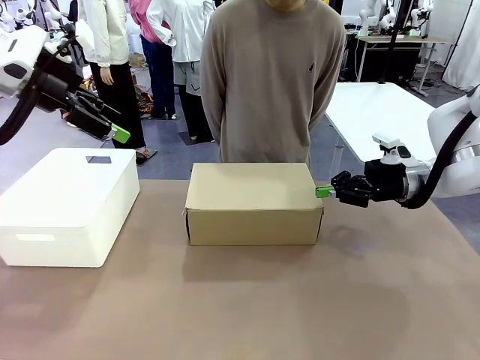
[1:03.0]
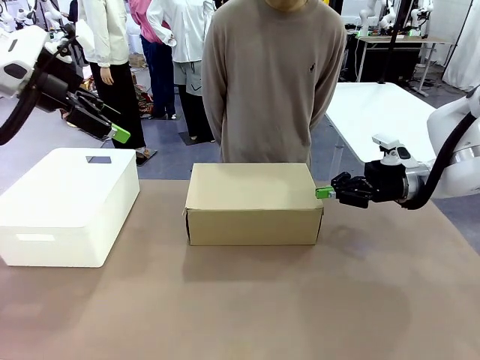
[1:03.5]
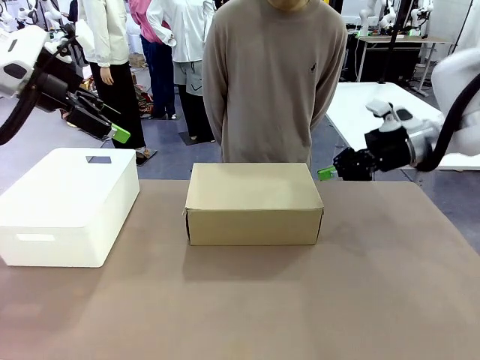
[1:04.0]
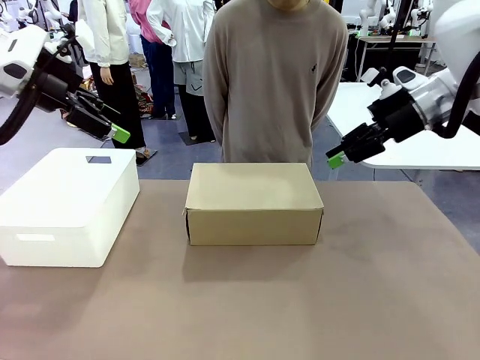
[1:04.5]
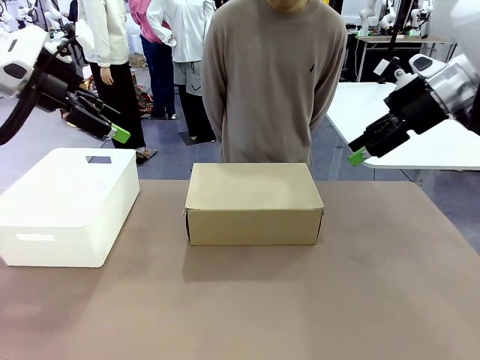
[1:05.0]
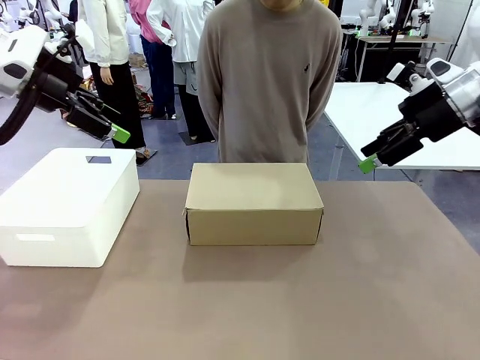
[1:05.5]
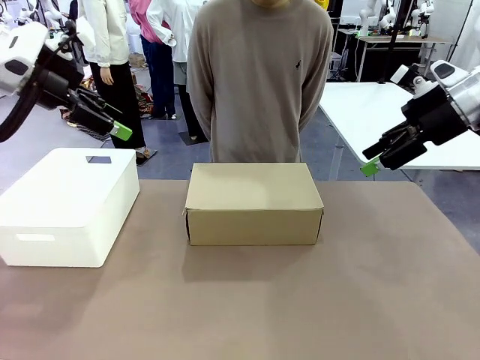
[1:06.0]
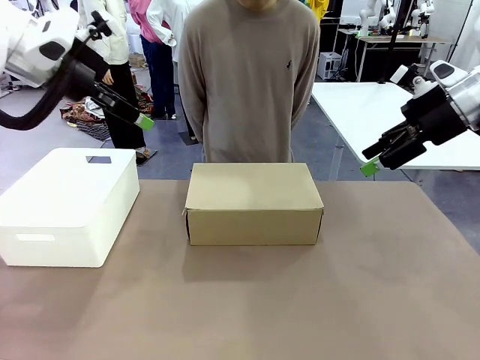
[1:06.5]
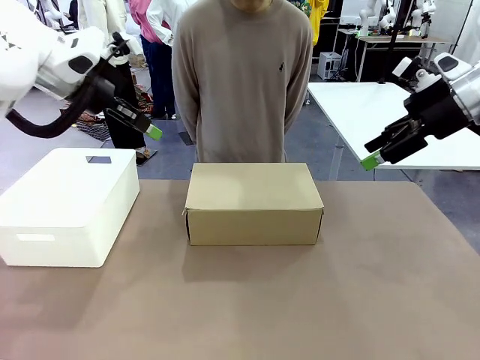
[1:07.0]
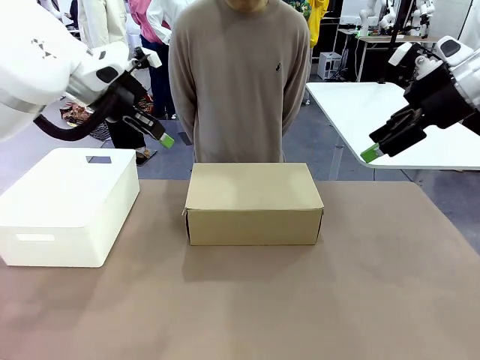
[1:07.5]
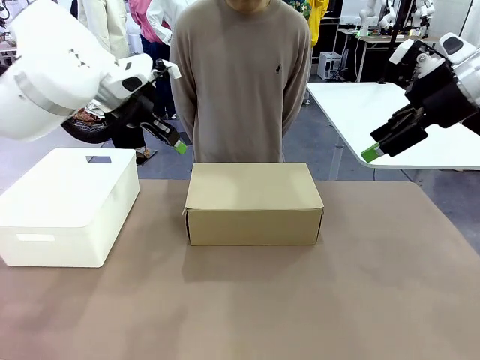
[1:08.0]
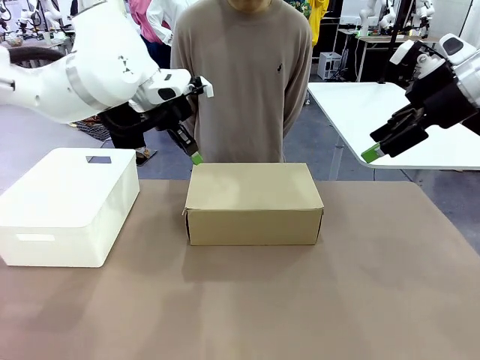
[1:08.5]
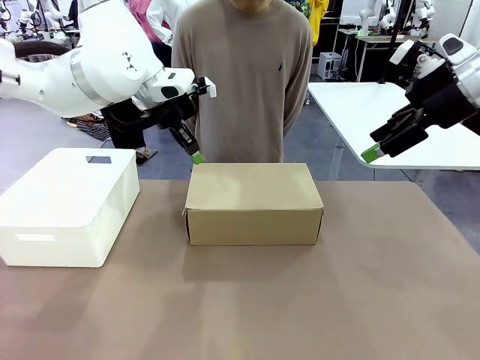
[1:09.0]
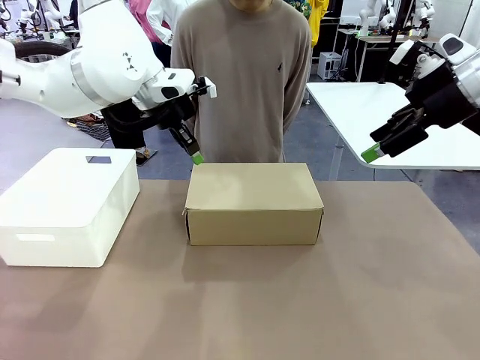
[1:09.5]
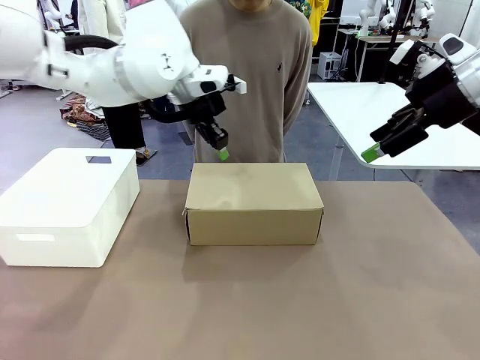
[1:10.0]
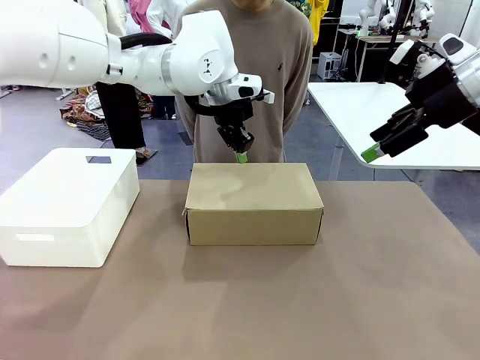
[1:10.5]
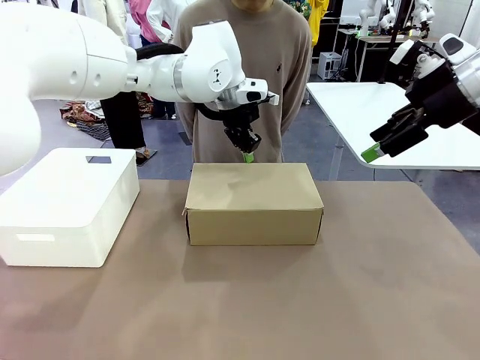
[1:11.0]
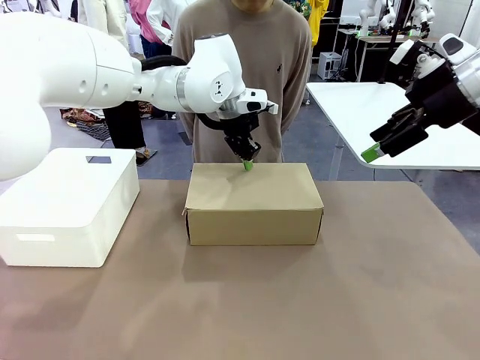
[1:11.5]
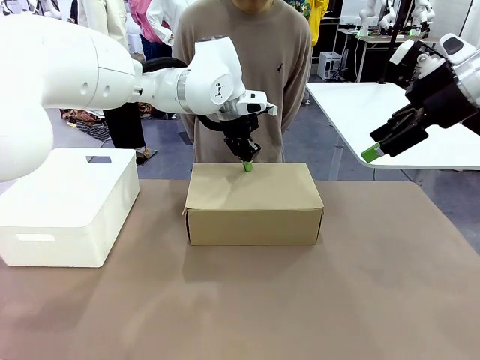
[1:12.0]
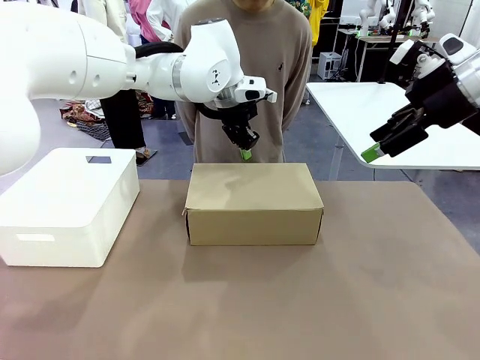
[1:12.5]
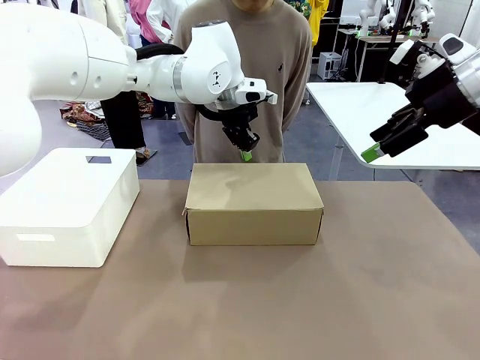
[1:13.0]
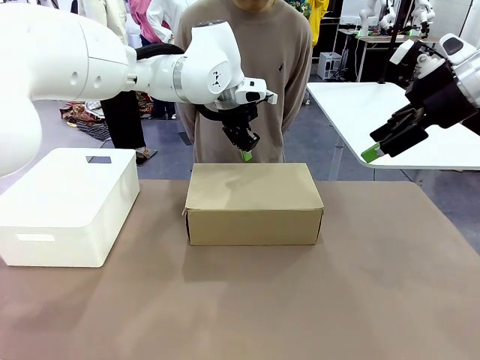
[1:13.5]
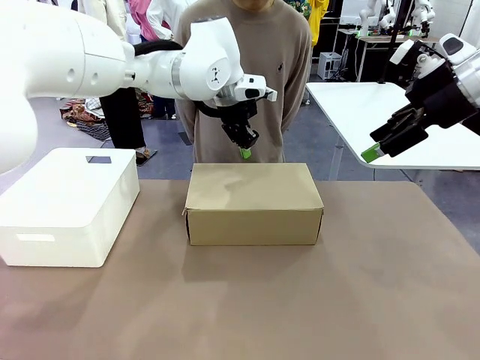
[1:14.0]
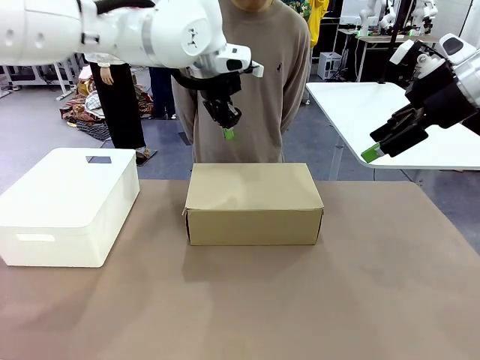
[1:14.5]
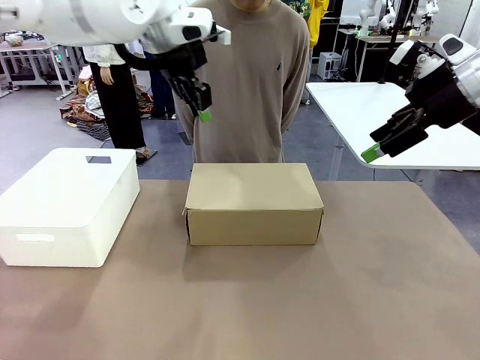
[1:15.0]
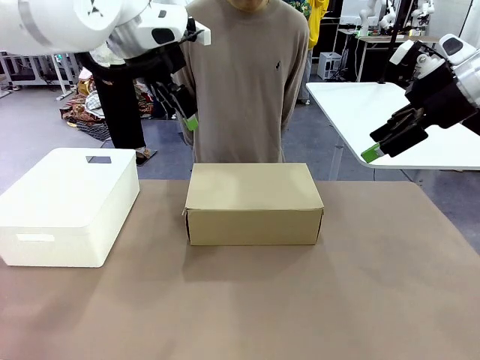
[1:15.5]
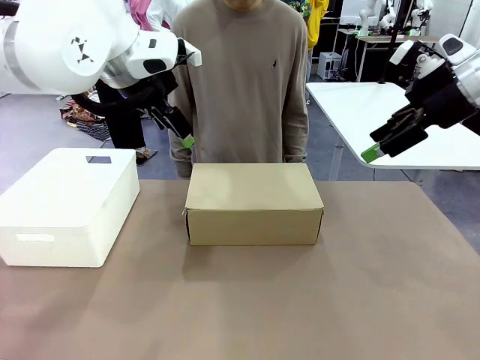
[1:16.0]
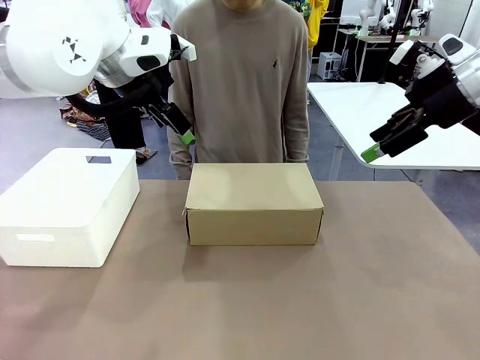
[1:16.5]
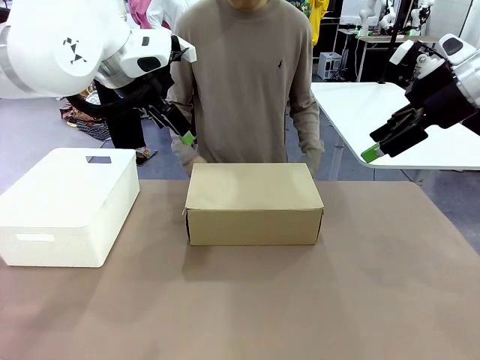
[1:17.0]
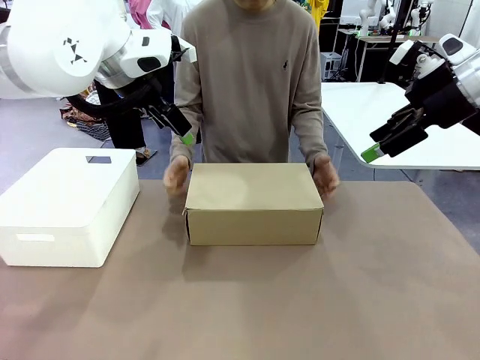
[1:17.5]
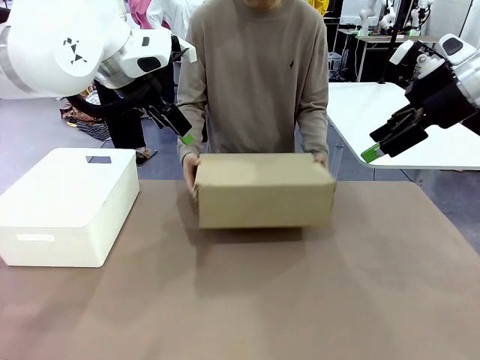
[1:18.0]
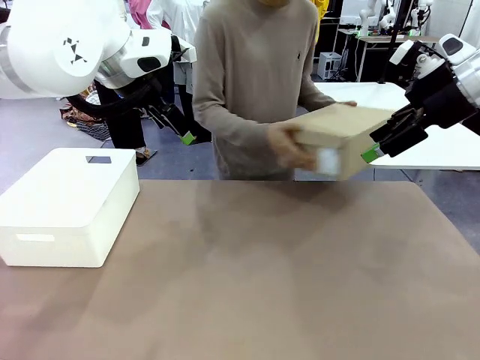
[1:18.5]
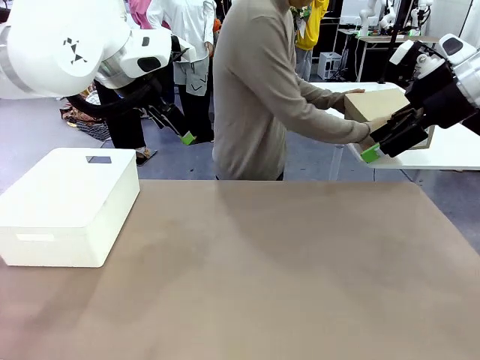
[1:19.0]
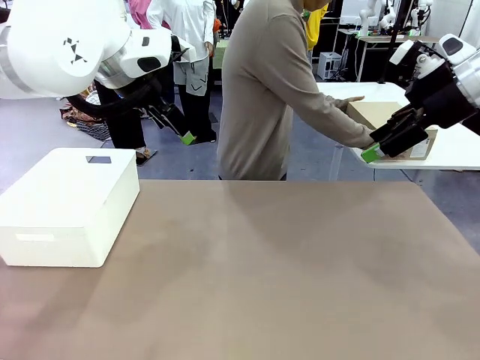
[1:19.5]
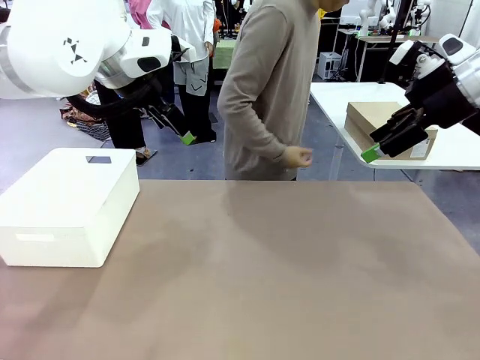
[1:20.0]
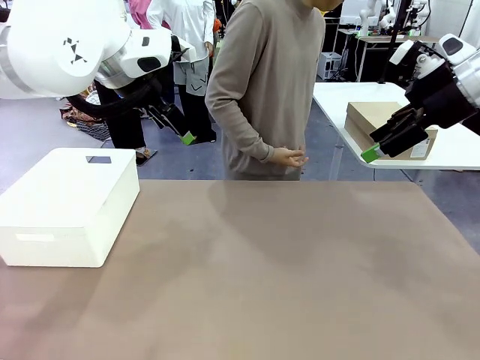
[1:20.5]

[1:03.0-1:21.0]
Task: Pack the shoes into the box.
Robot: Press down on the lid of the Shoes Box.
Person: Place the closed Shoes Box to the right side of the human table.

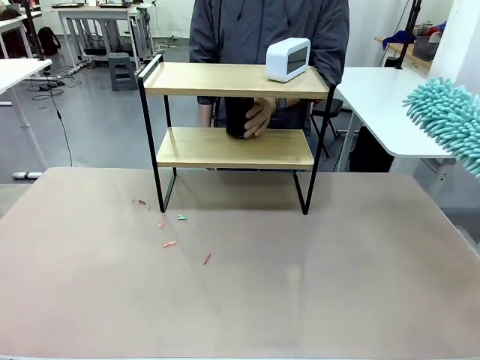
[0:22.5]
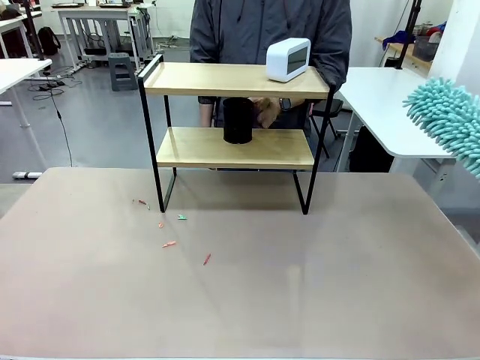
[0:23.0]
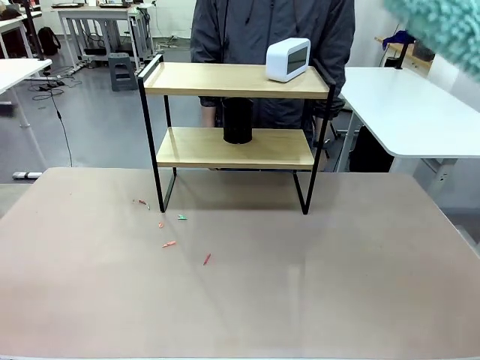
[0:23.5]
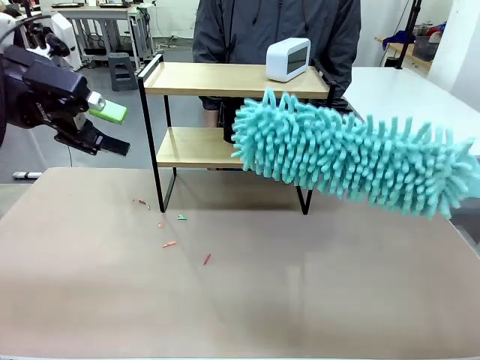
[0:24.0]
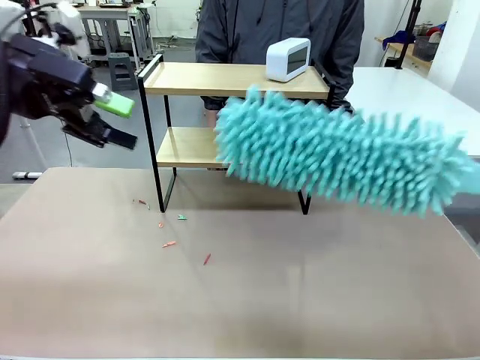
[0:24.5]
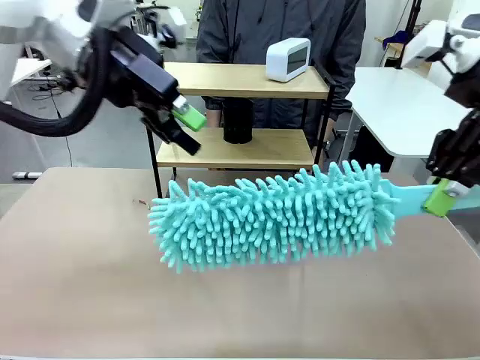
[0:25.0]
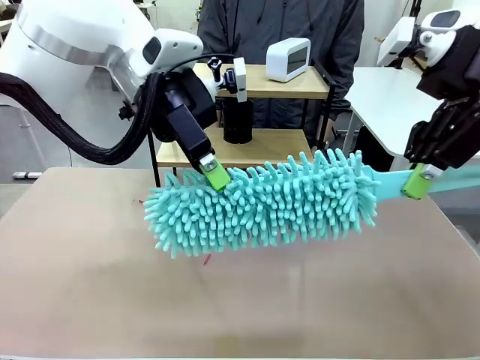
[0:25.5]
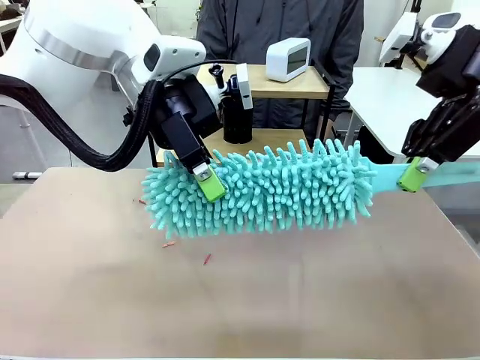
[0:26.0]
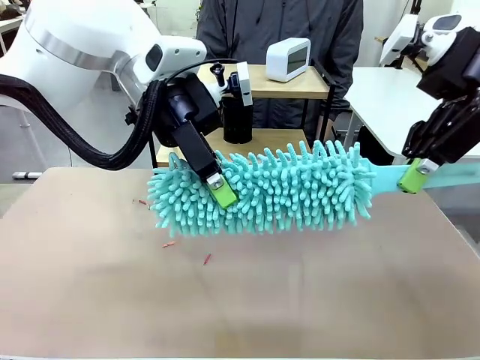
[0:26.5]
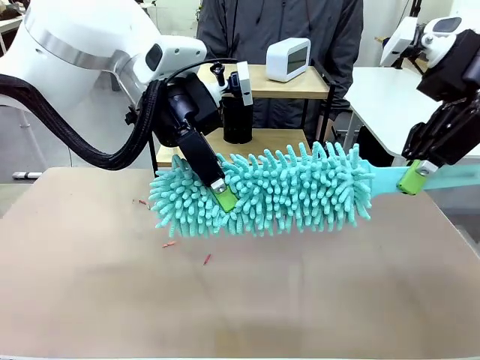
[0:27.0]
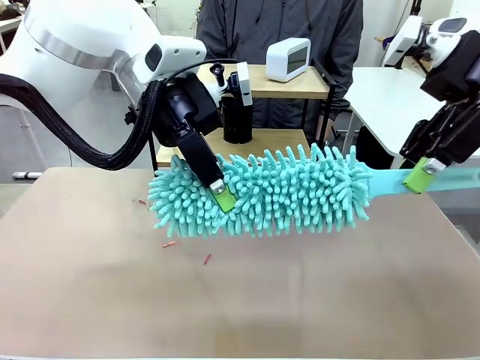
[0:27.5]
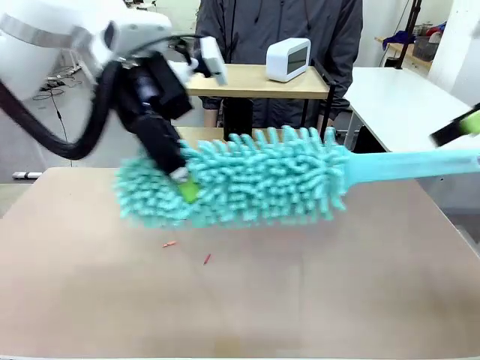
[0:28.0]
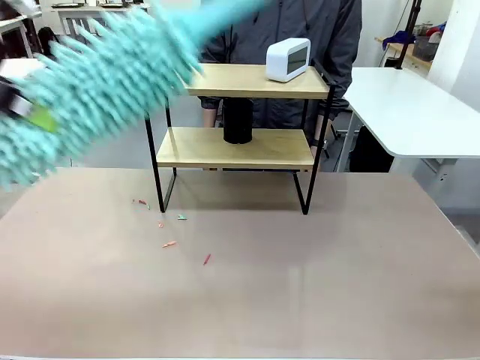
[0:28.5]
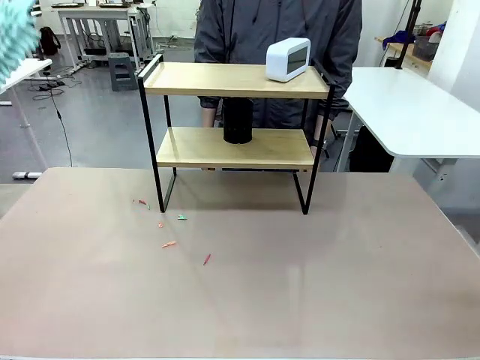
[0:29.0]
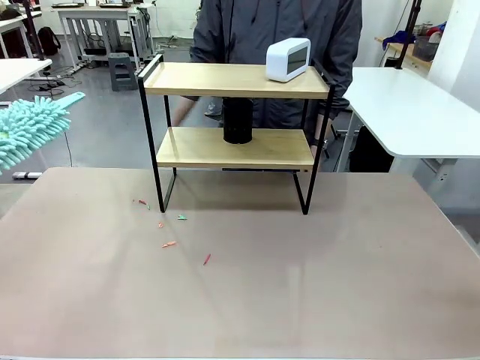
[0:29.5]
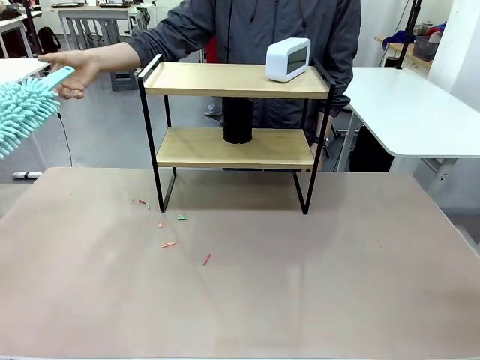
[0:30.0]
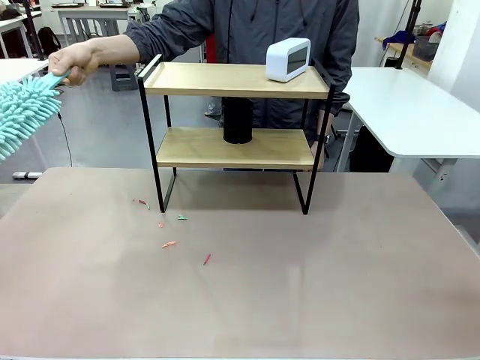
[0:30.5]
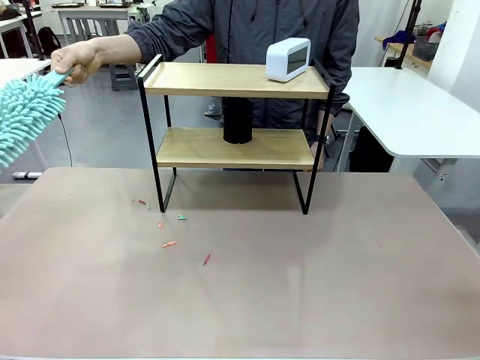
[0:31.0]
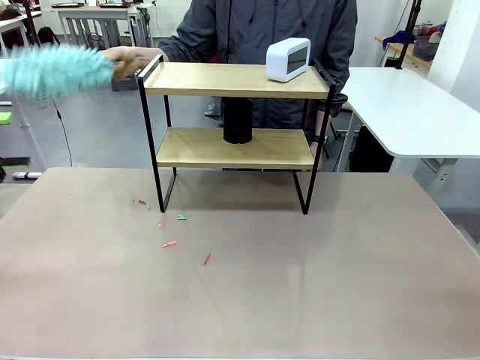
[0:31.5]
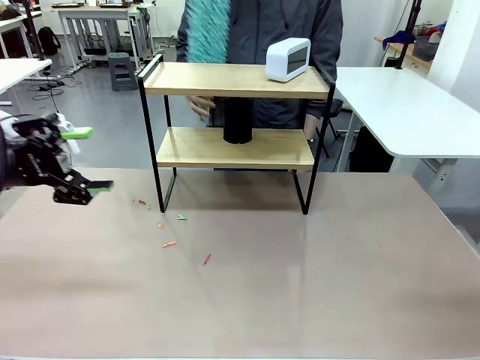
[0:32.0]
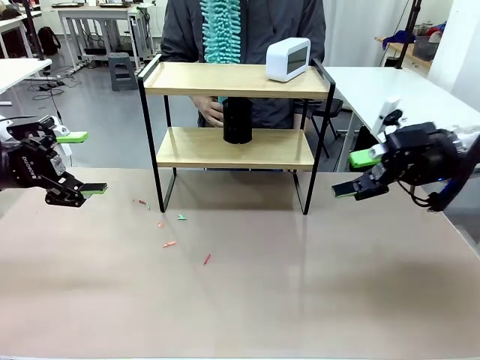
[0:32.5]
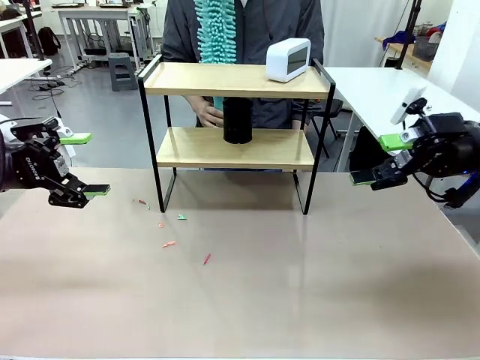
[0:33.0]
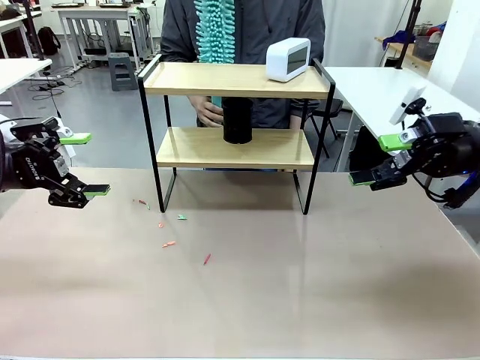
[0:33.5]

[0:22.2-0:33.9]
Task: Clean the shelf.
Robot: Hand the Duster back to the human.
Person: Receive the Duster from the robot.
